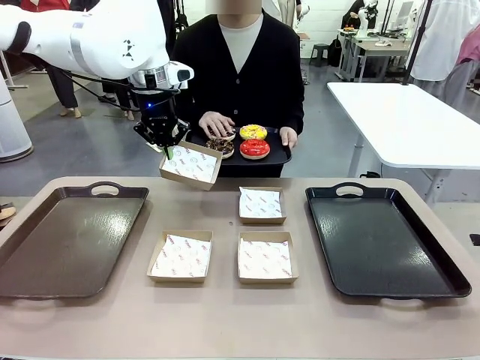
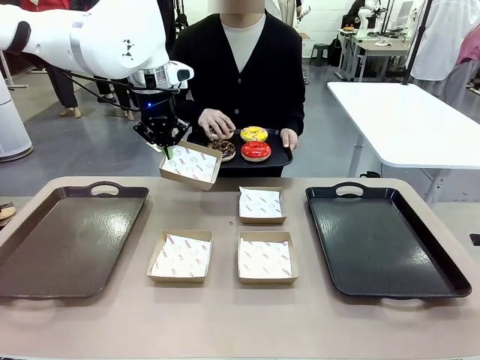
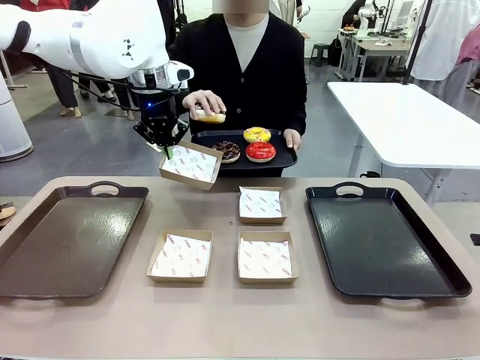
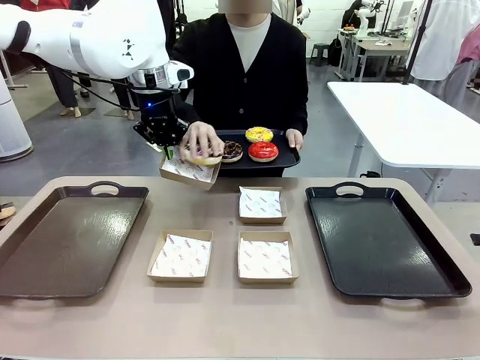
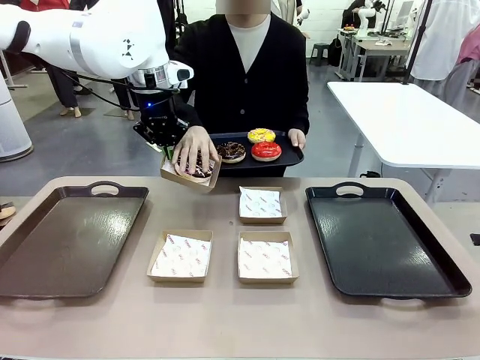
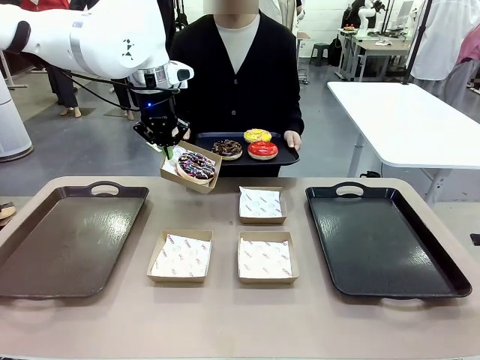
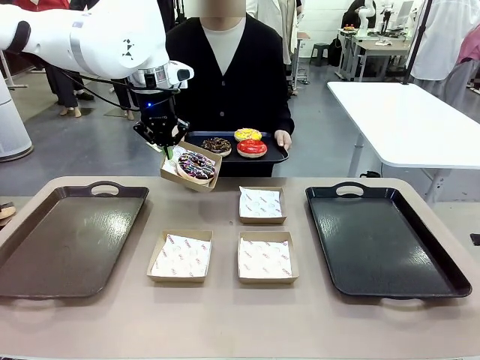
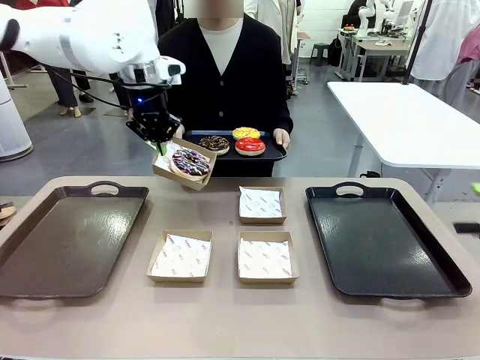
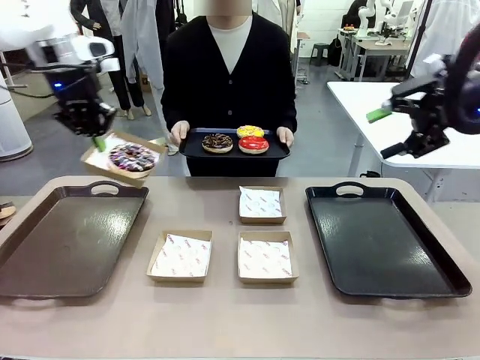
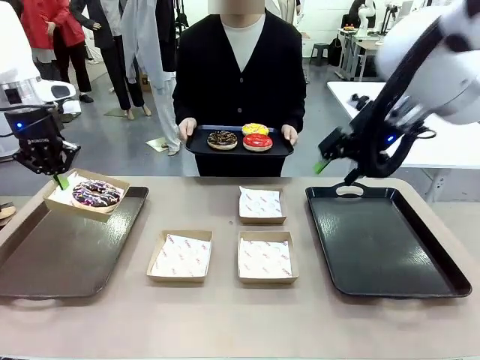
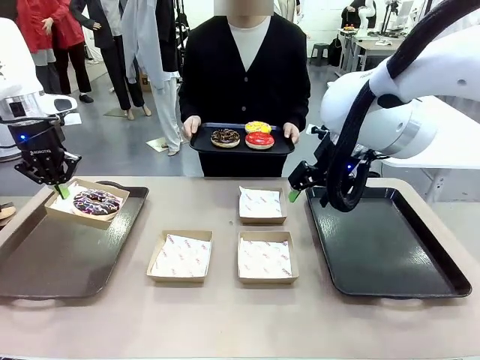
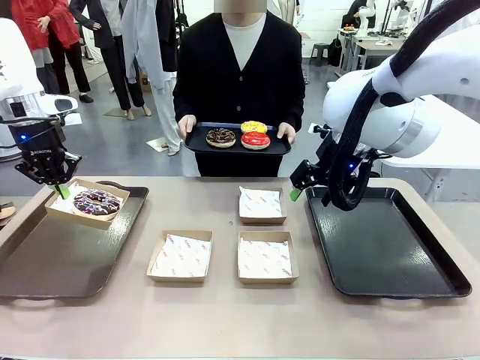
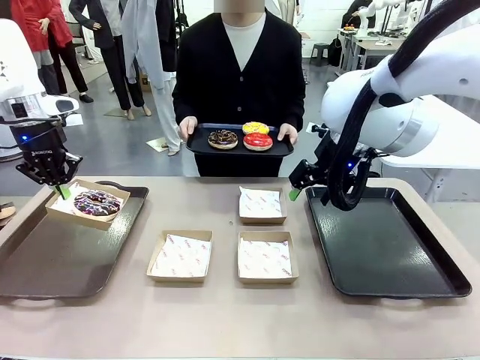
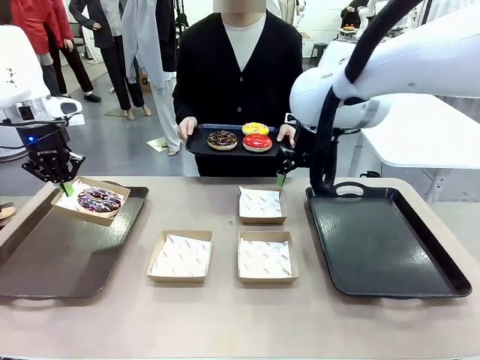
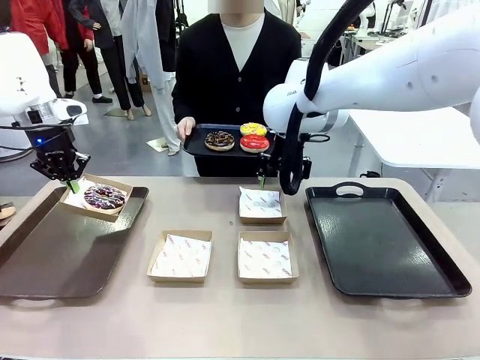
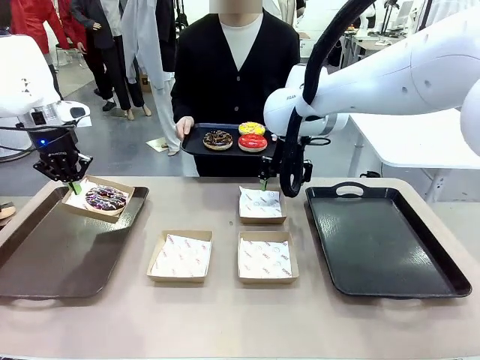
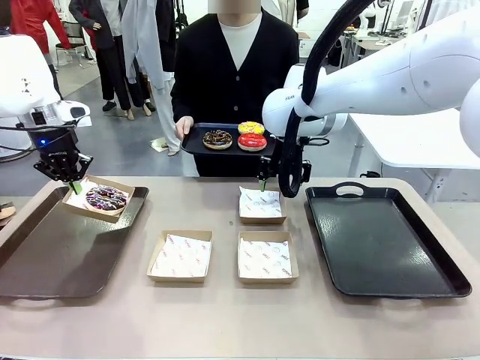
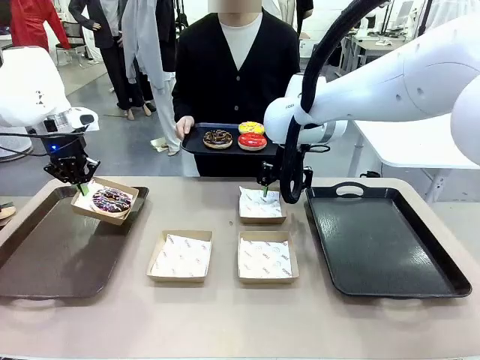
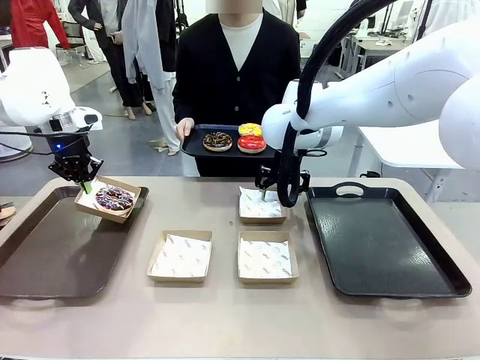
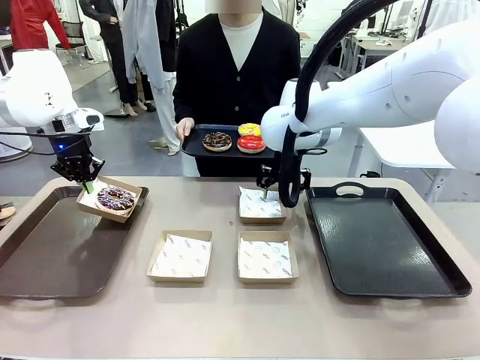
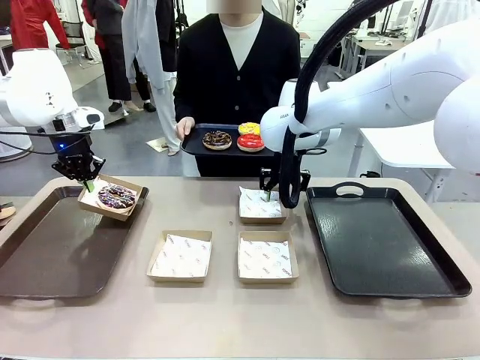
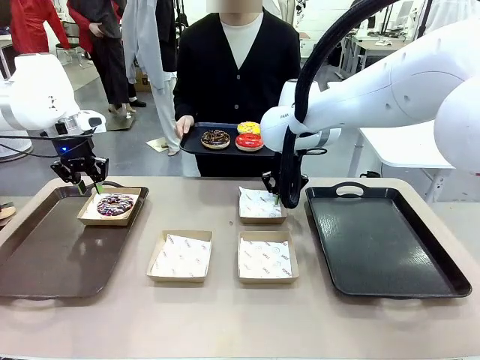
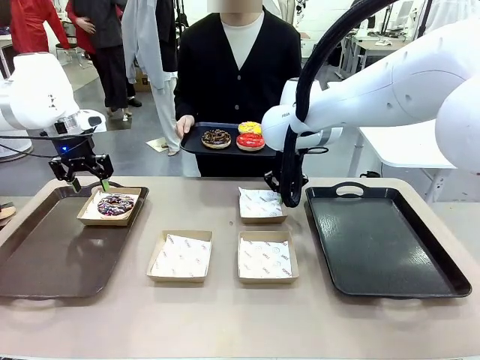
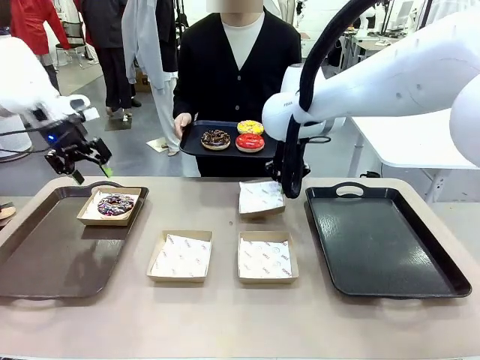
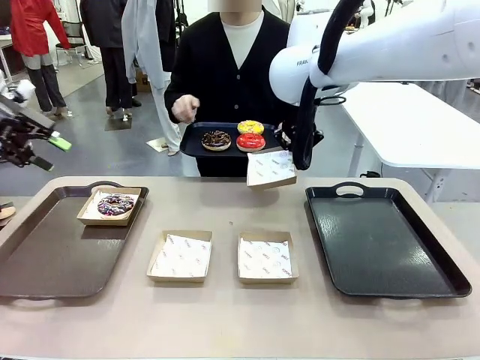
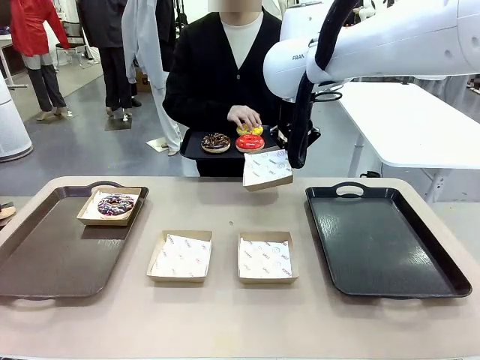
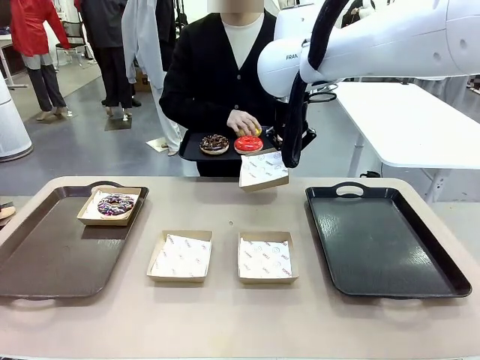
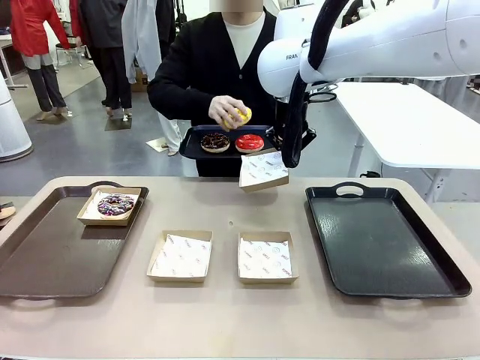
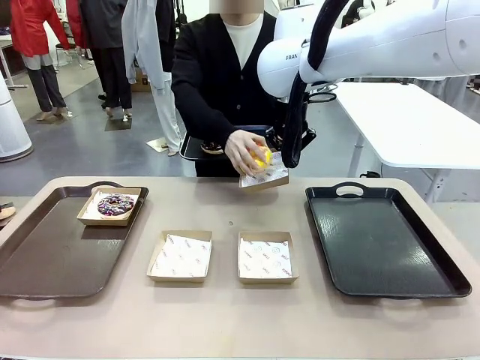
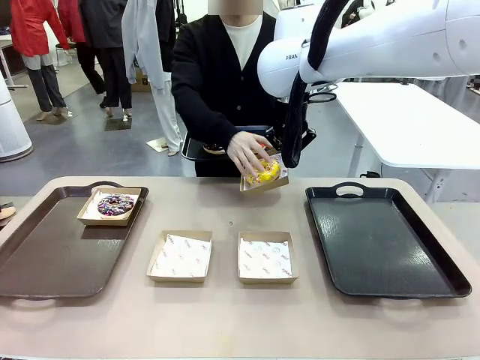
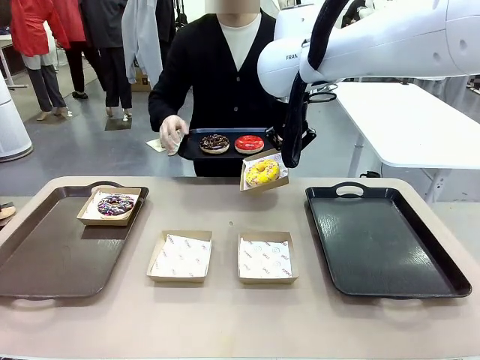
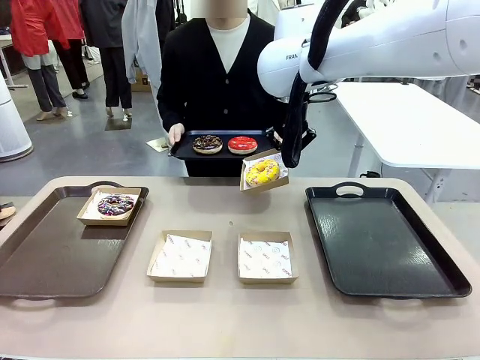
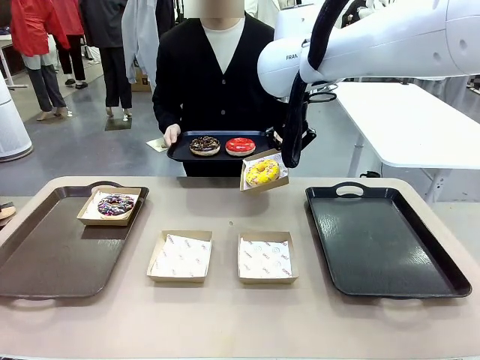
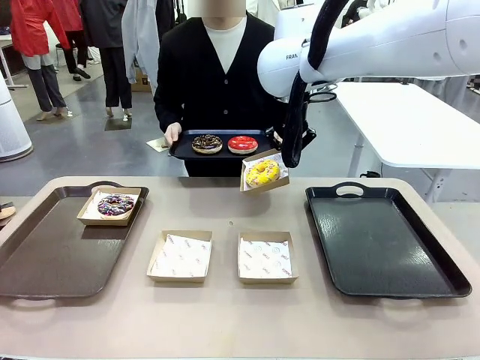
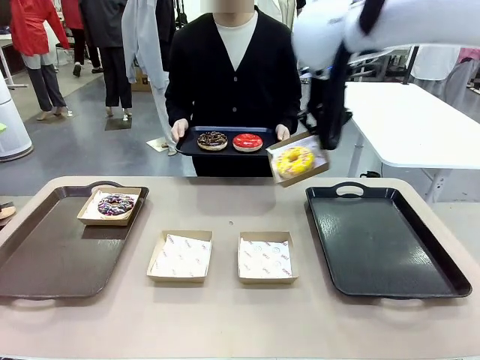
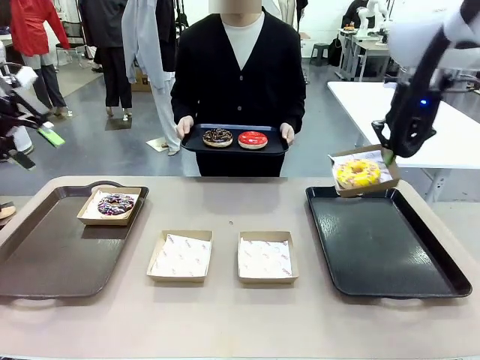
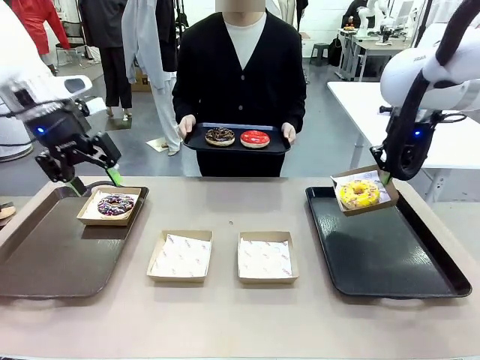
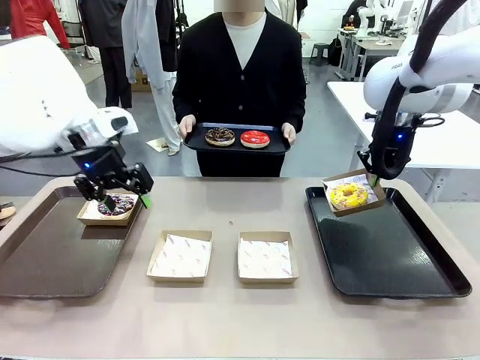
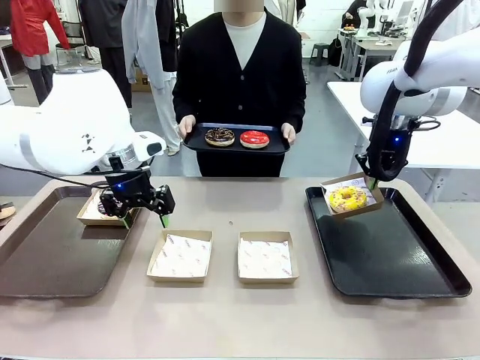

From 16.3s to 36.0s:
Task: Individually package the donuts and arrange them on the tray.
Robot: Place the picked Paper togo box on the Handle tray while simultaneously picking up another Paper togo box from the table with the other hand.
